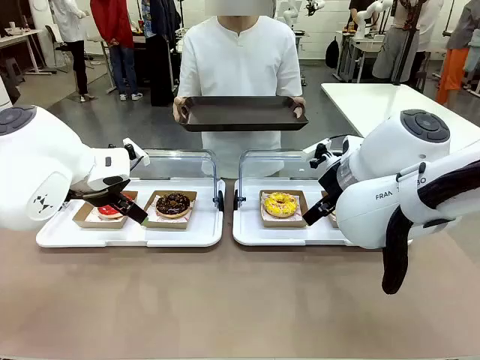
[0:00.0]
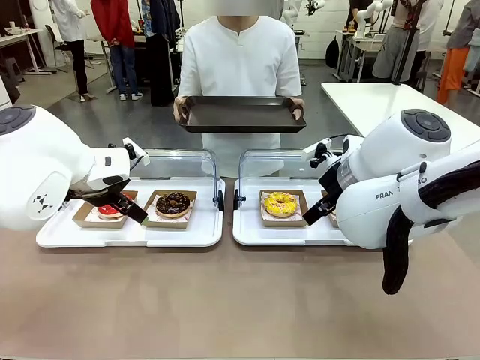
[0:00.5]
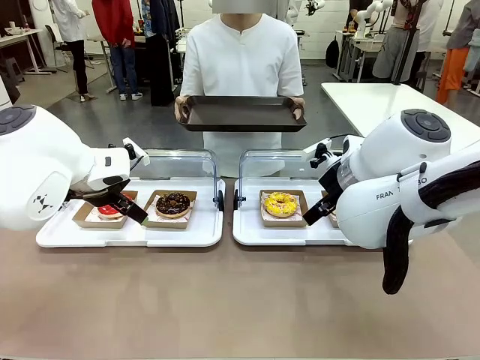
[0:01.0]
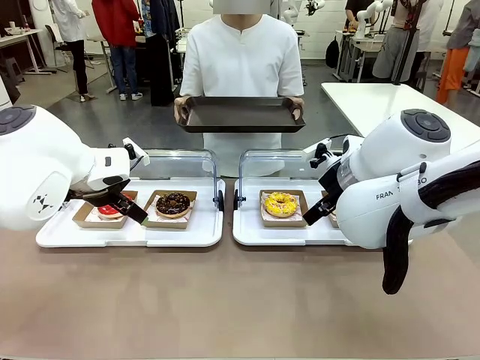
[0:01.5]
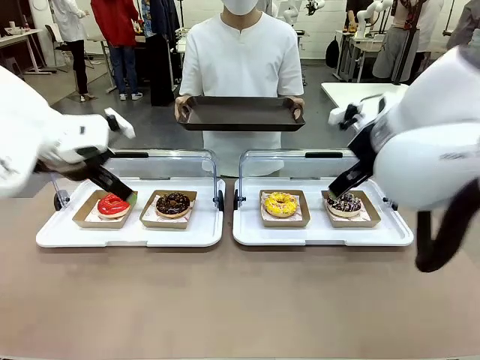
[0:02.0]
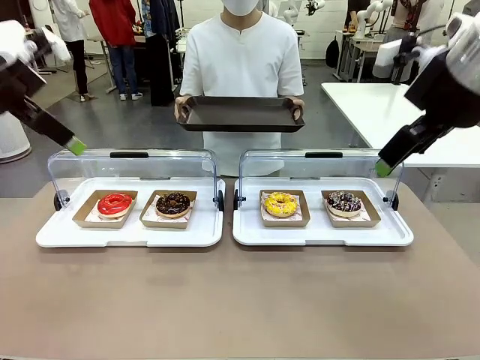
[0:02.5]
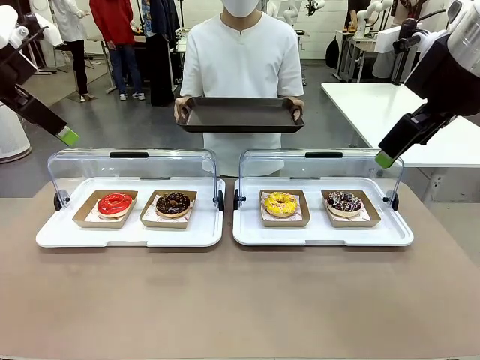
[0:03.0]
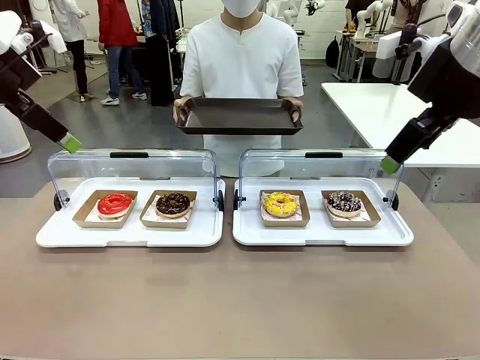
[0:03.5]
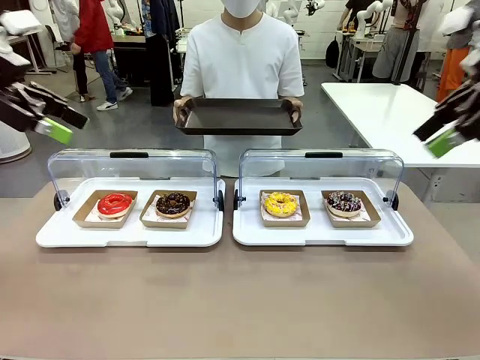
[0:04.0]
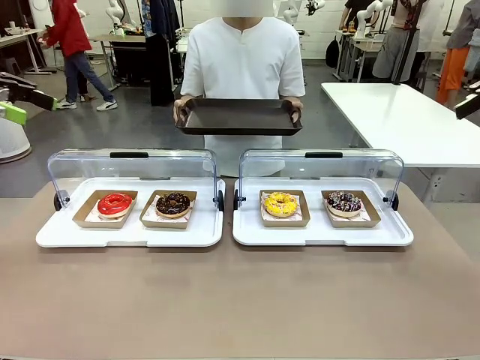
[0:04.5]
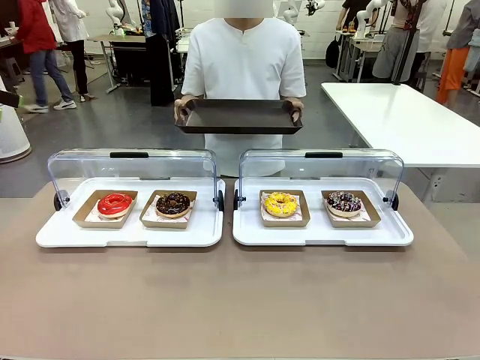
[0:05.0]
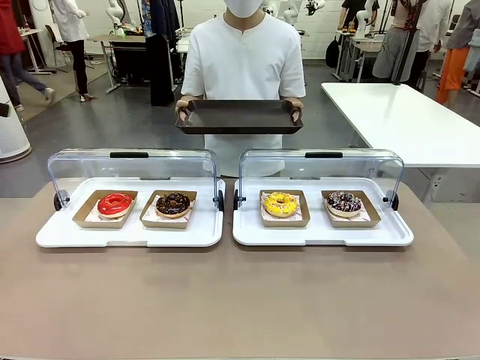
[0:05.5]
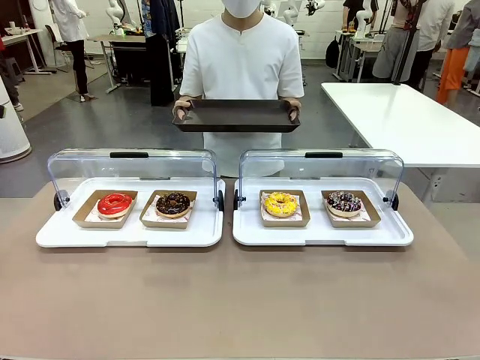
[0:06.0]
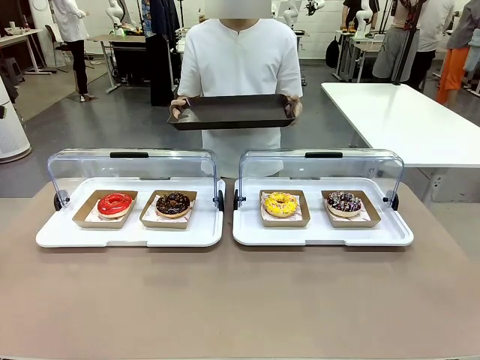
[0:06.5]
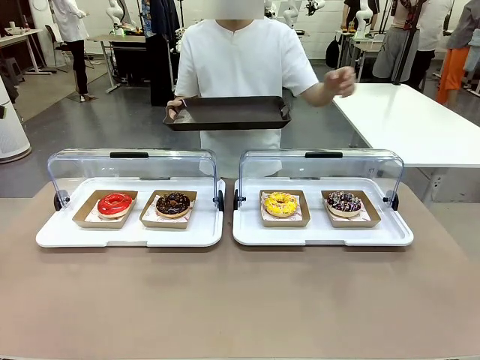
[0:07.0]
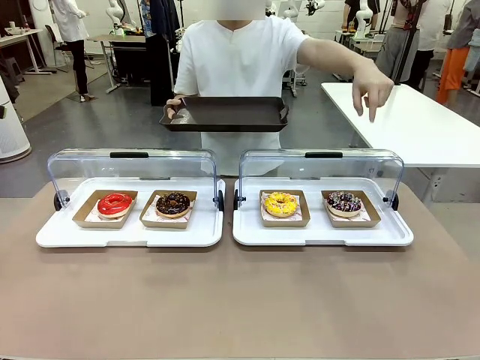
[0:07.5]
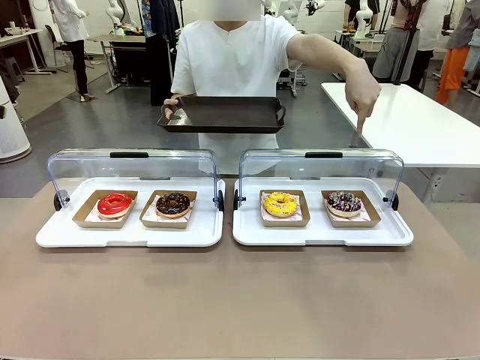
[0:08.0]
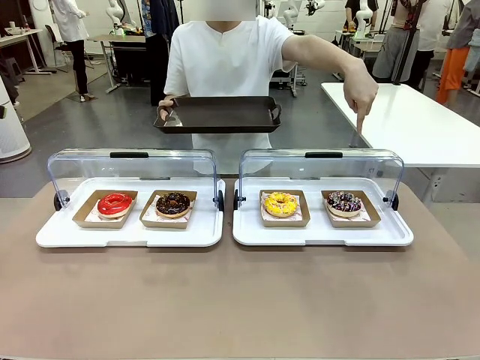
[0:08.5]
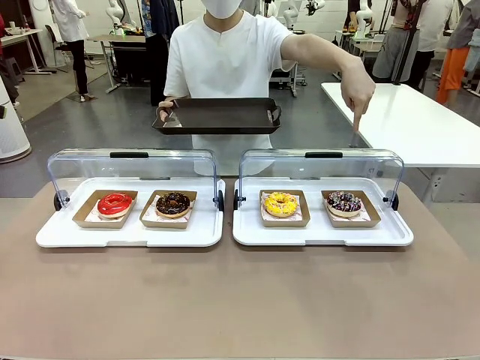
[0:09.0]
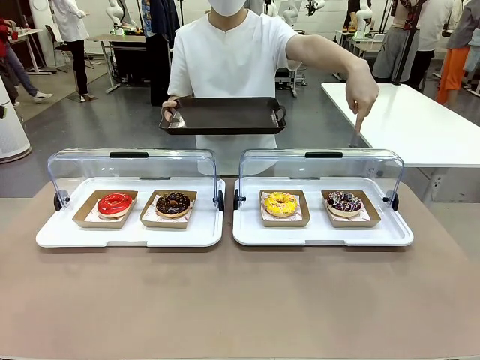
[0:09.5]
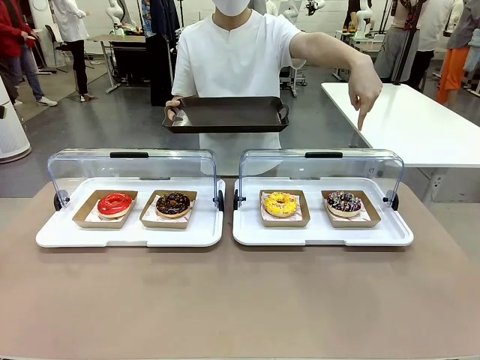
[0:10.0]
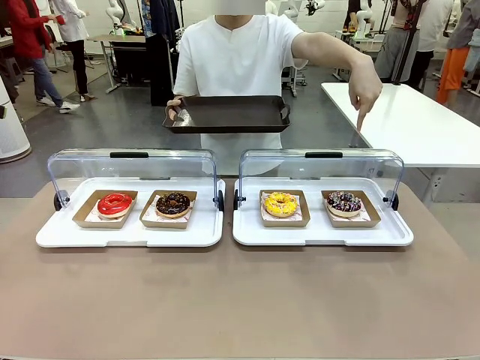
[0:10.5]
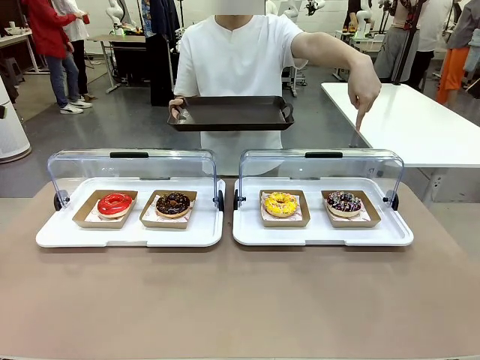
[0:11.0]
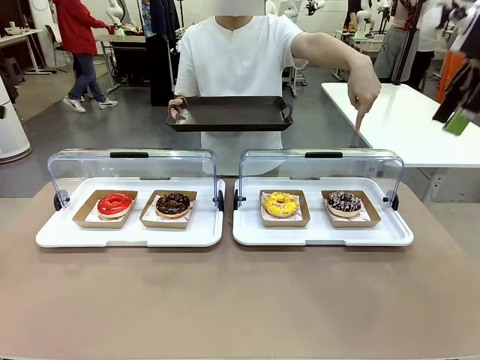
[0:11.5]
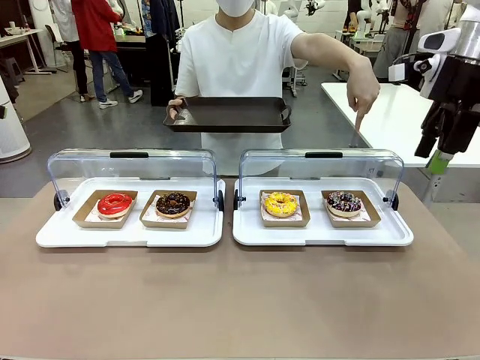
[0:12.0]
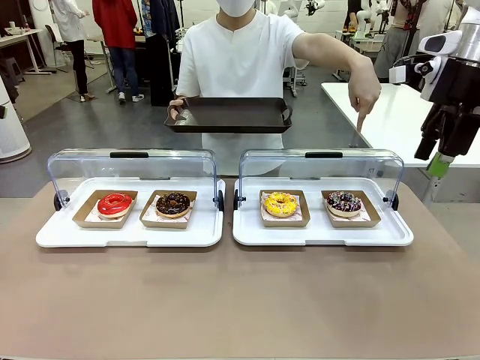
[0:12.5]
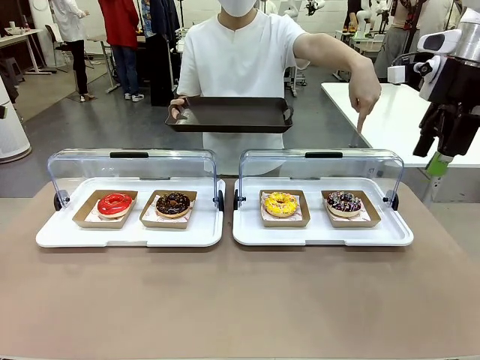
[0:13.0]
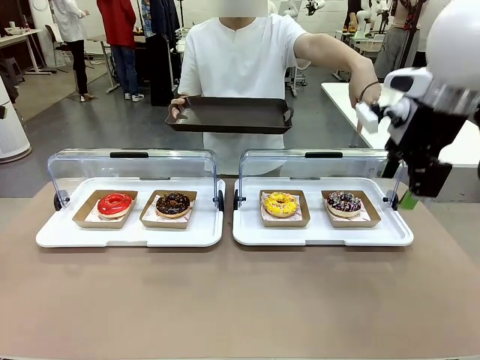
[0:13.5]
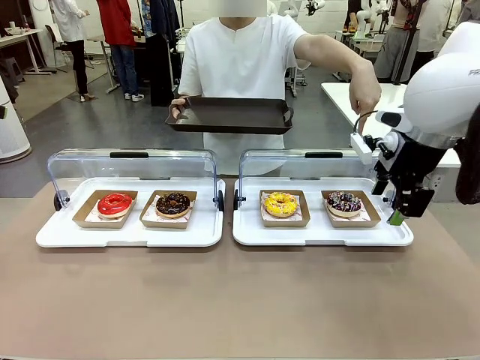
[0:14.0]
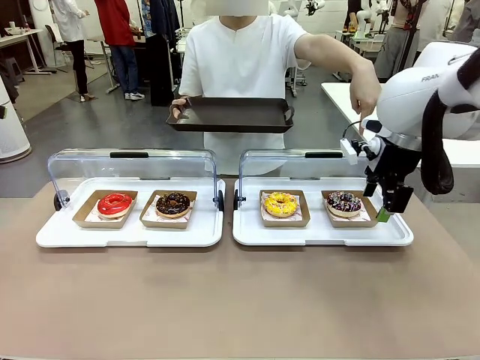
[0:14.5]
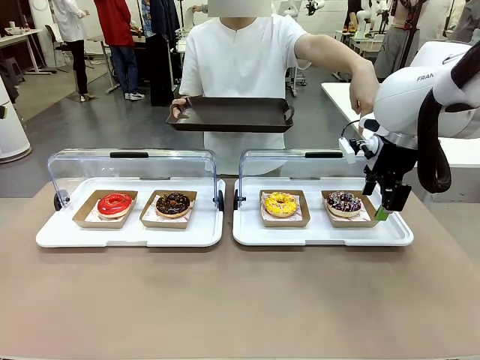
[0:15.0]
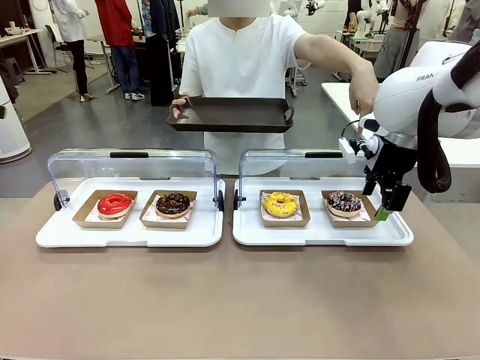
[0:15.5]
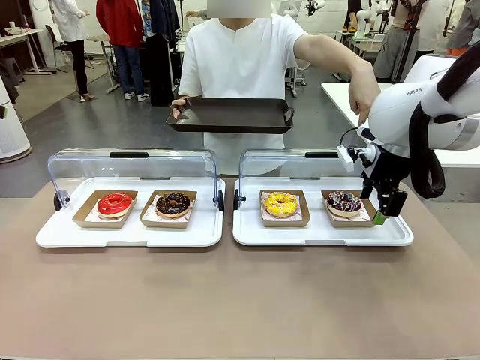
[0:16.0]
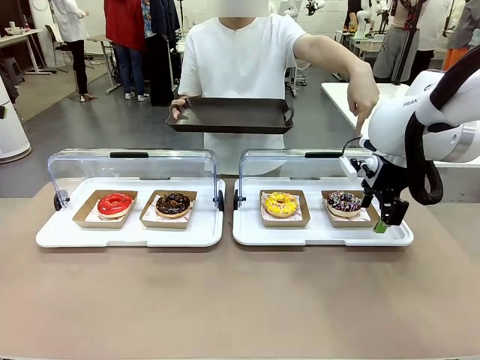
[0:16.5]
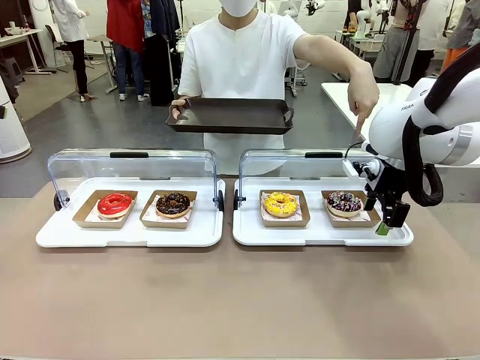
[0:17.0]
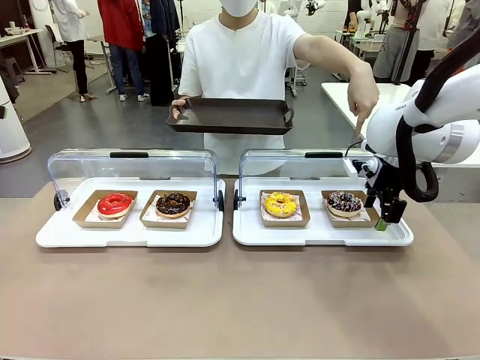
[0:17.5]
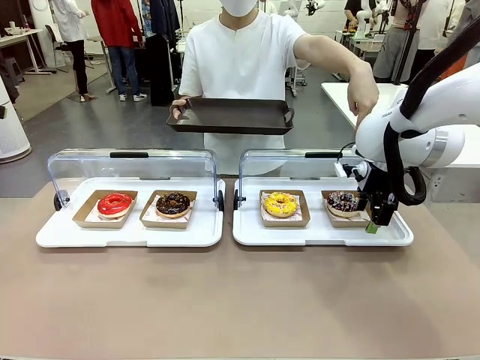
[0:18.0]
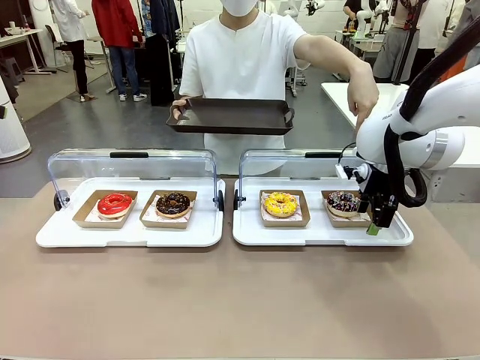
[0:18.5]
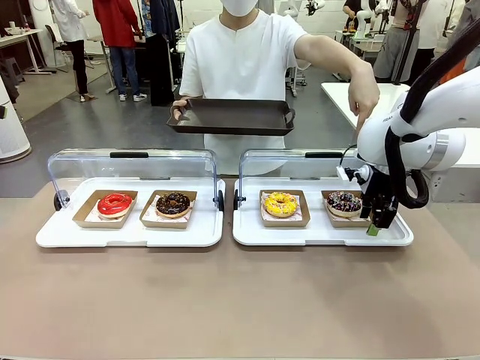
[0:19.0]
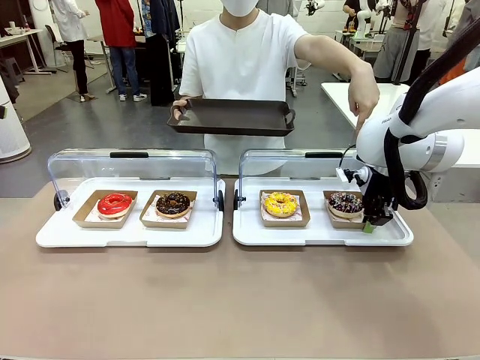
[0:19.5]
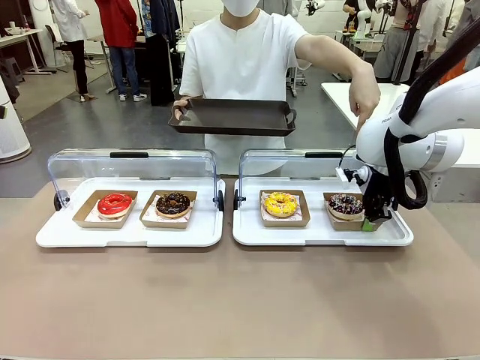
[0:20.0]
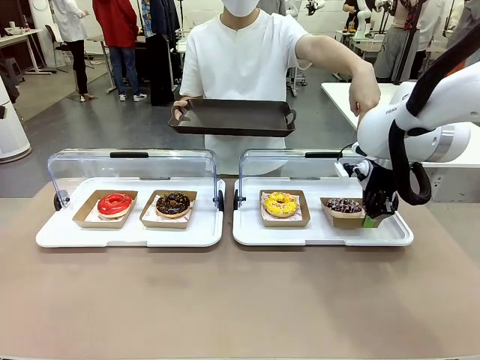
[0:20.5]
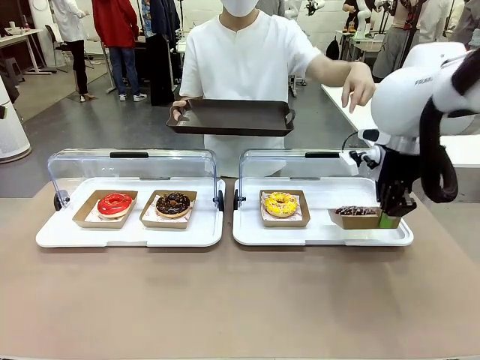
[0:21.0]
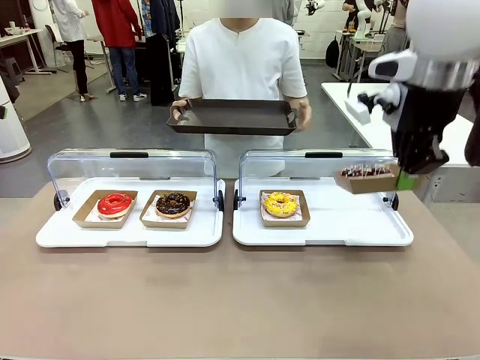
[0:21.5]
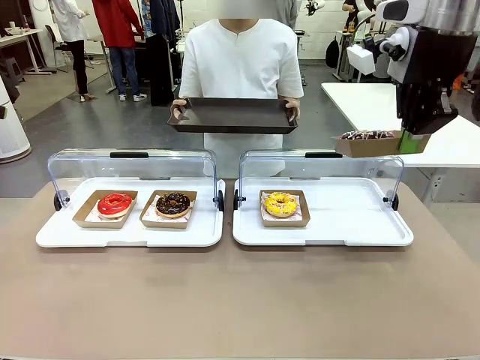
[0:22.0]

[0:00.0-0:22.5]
Task: Provide the desired donut to the person.
Robot: Pick up and lift the Paper togo box containing the Donut pointed at by the person.
Person: Point to one donut. Lift the tray onto the Roll-Top Bakery Case.
